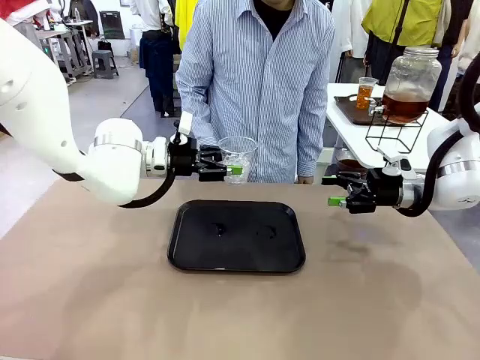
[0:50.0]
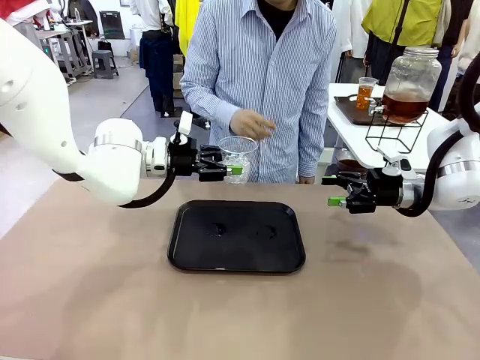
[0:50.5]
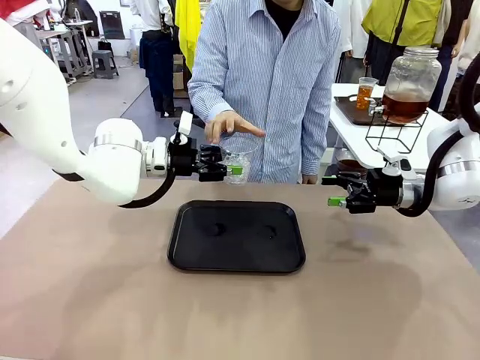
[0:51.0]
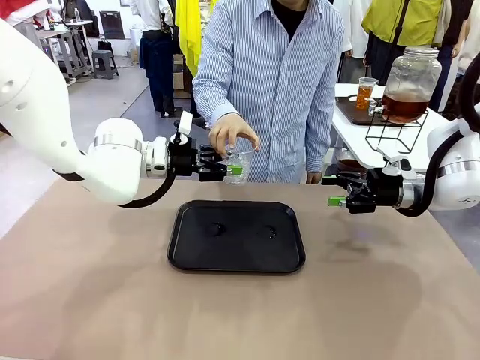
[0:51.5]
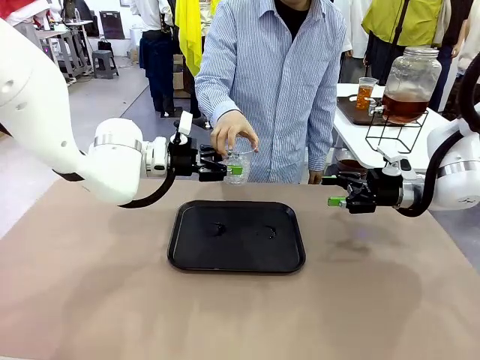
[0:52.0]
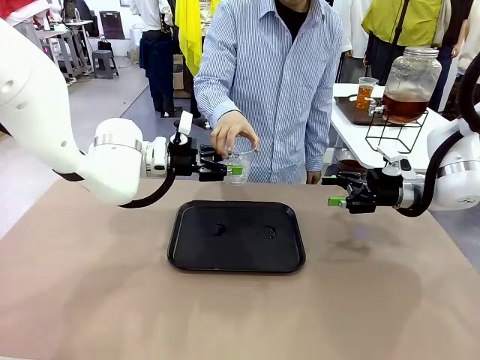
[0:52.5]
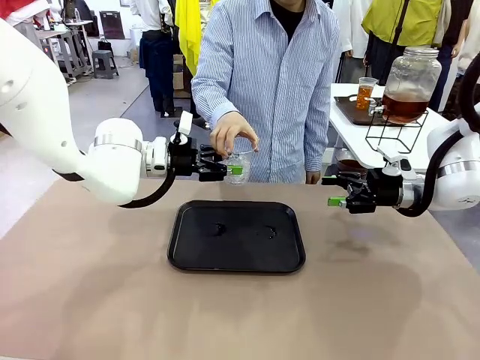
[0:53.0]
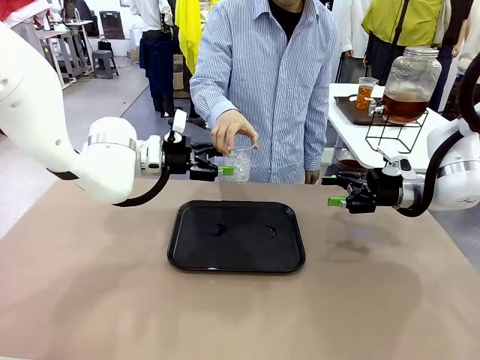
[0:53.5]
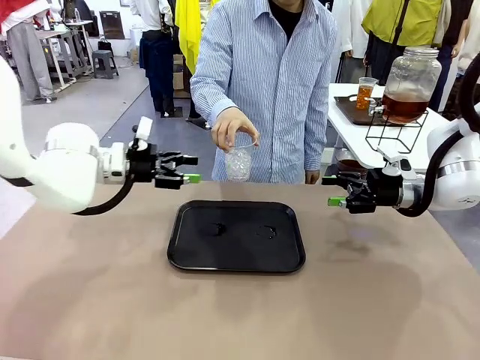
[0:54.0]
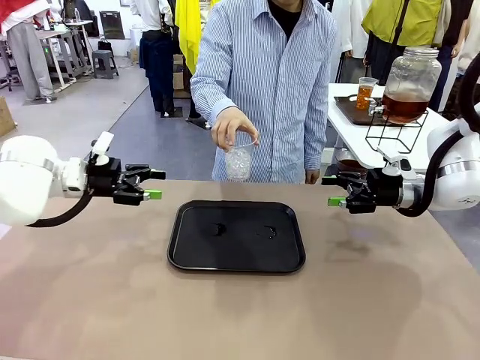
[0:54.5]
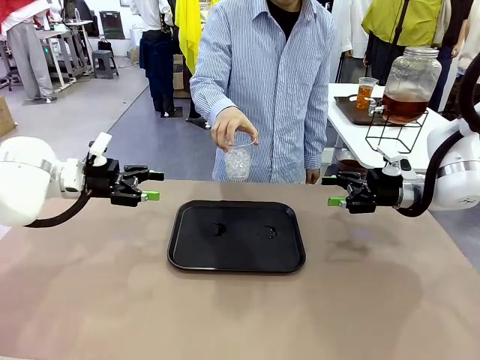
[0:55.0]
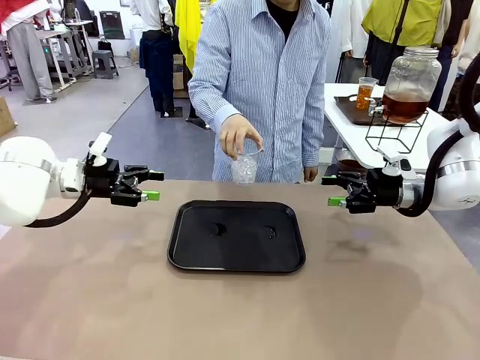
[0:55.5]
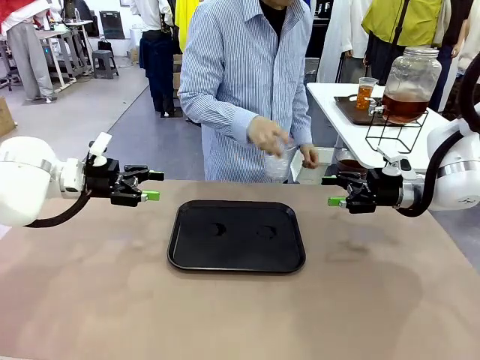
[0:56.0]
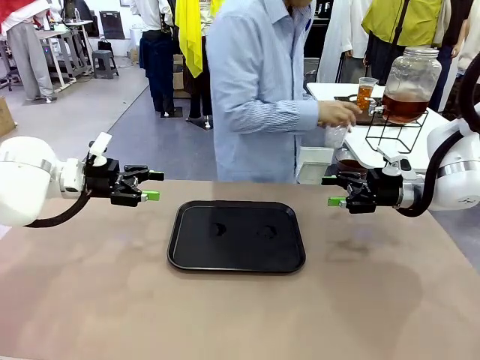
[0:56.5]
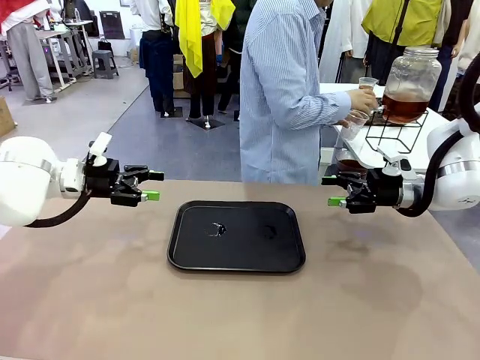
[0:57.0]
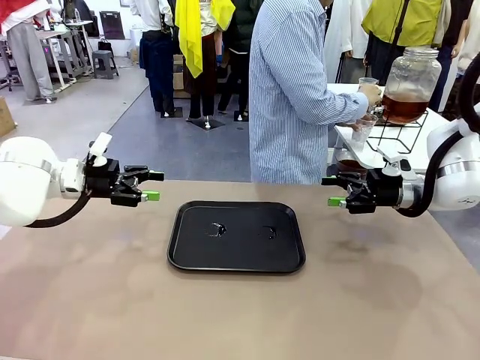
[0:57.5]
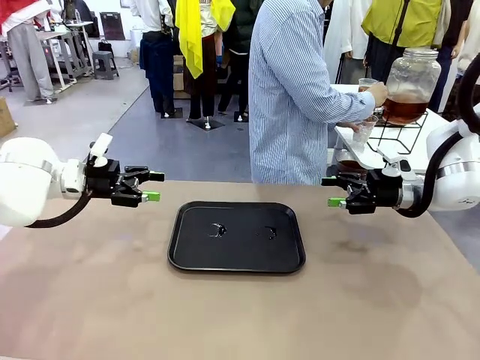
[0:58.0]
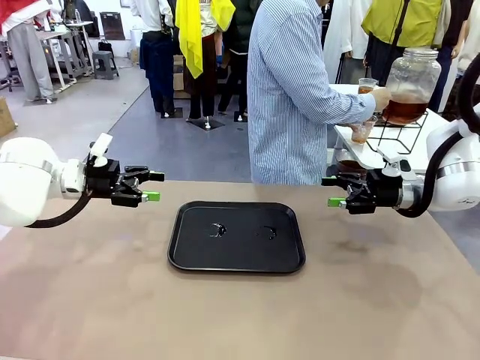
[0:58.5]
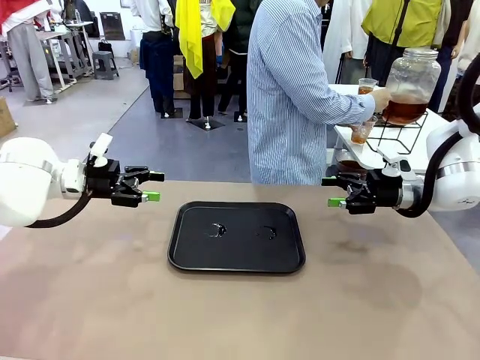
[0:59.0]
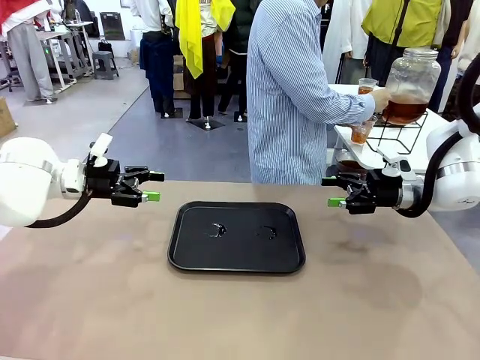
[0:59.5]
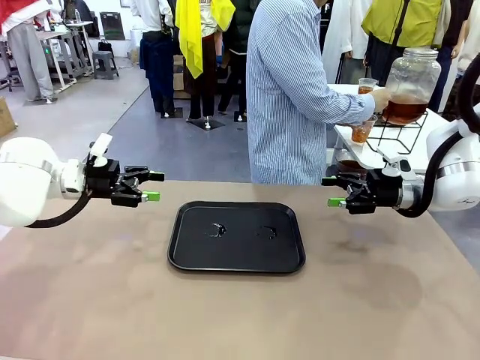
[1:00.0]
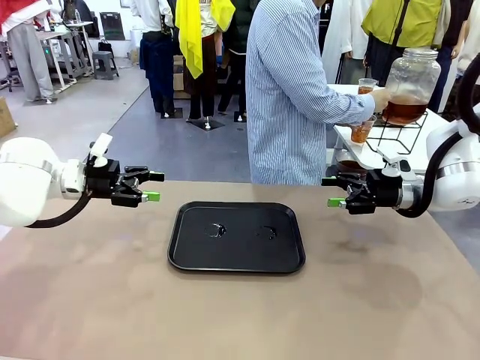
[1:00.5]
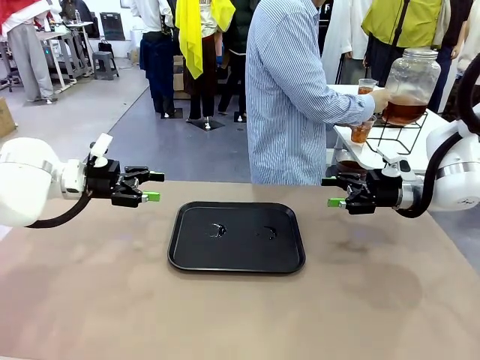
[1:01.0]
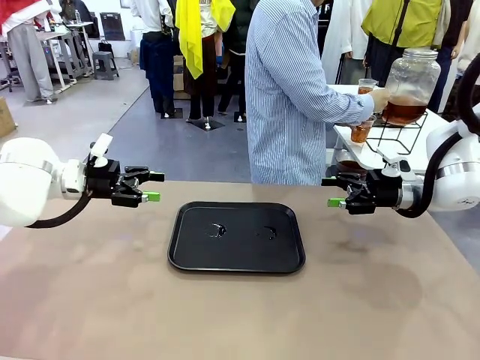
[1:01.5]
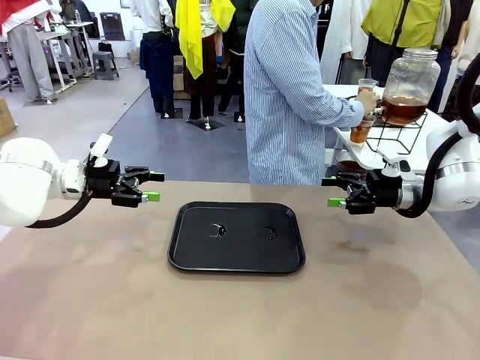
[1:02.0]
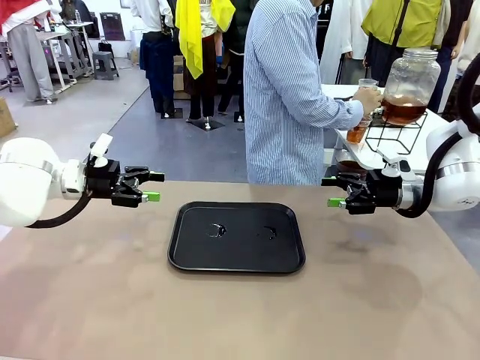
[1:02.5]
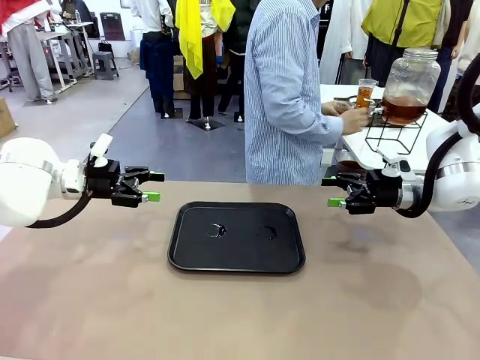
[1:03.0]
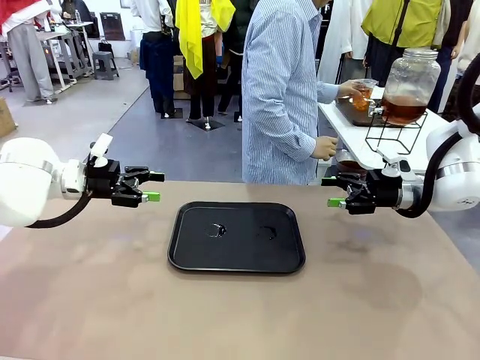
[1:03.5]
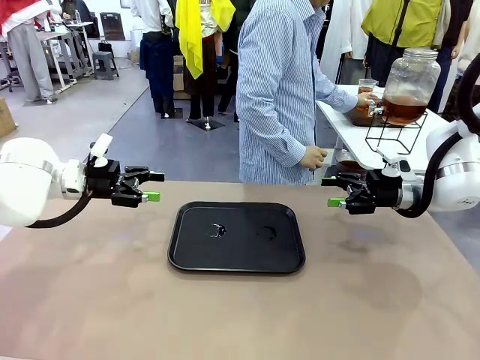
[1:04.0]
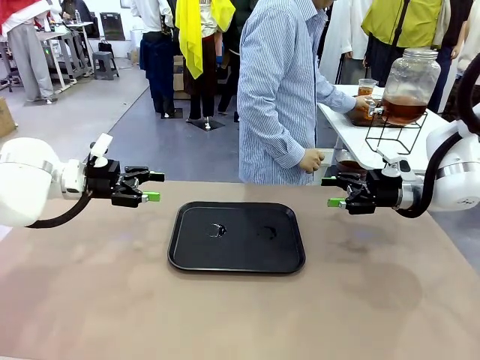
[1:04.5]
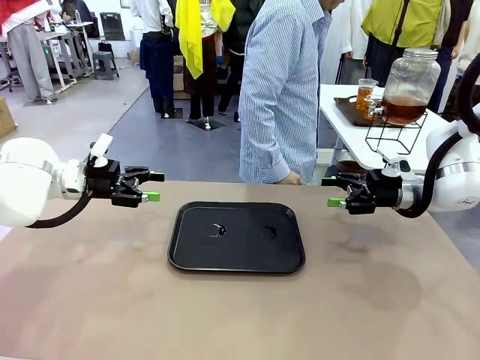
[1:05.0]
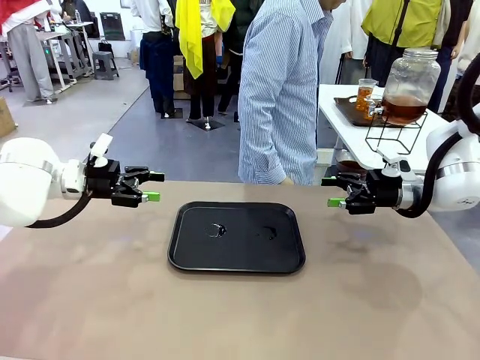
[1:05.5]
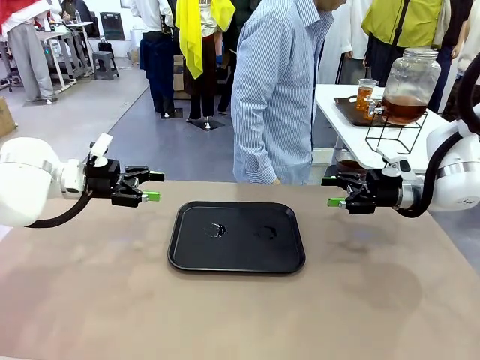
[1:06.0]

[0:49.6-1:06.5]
Task: Pour the drink into the iced cup.
Robot: Open the gripper to release the iced cup you were holding.
Person: Move the picked-up cup under the dispenser faucet, pour the drink, and place it on the tray on the human table.
